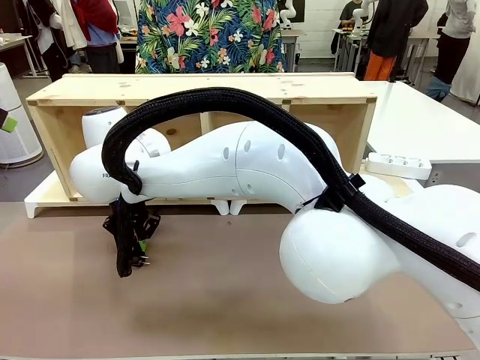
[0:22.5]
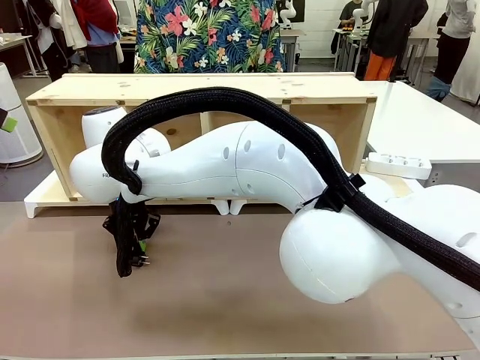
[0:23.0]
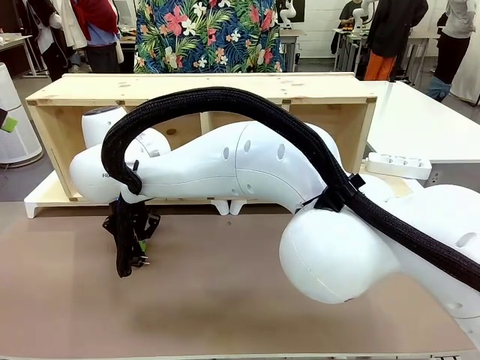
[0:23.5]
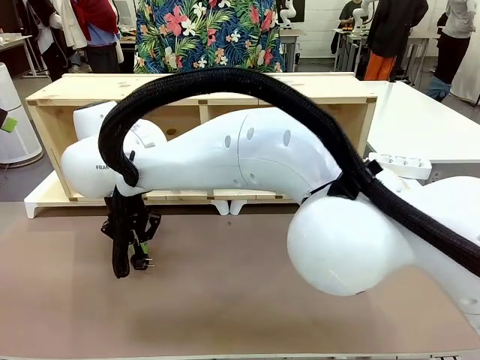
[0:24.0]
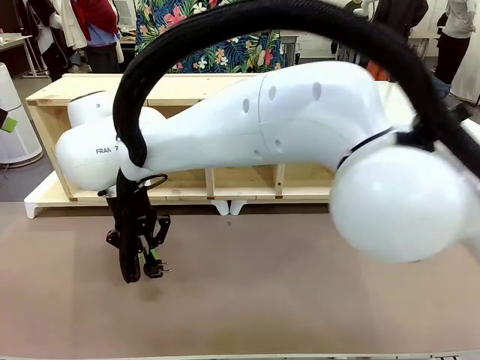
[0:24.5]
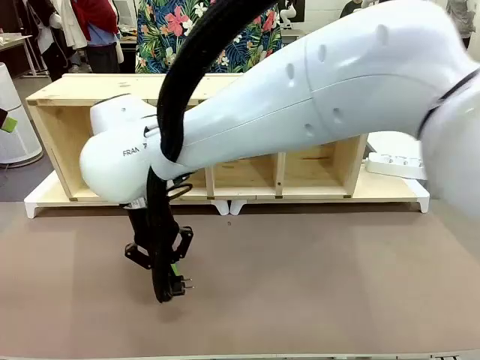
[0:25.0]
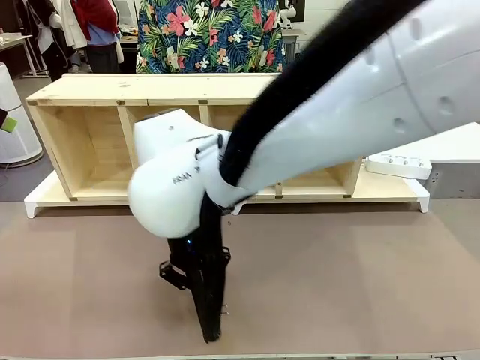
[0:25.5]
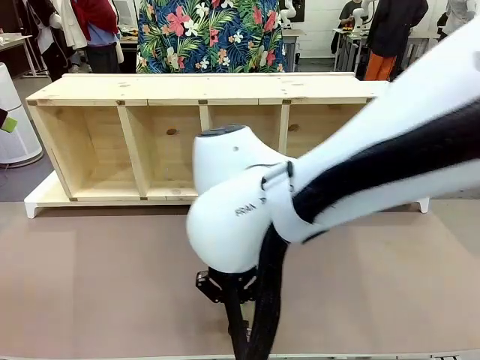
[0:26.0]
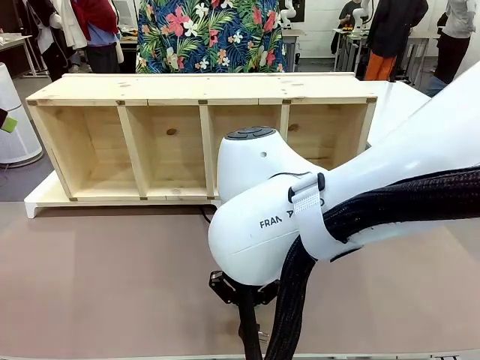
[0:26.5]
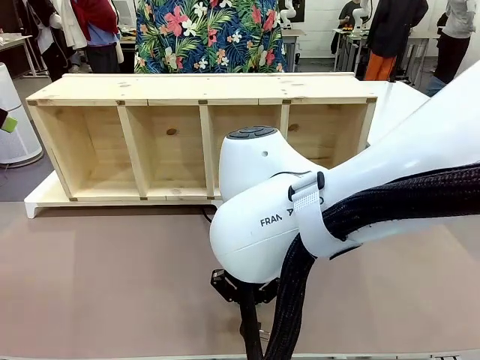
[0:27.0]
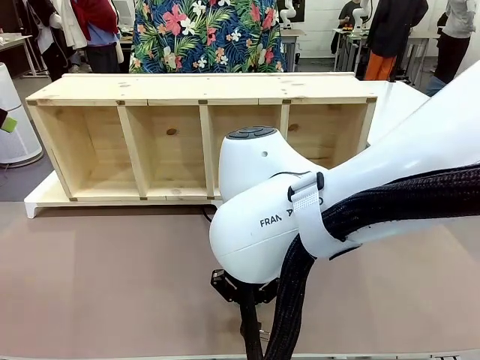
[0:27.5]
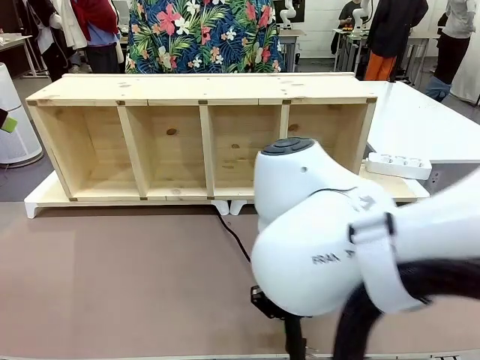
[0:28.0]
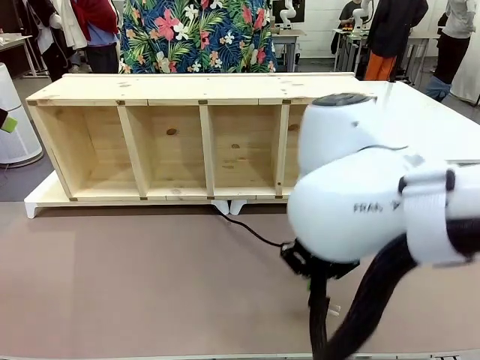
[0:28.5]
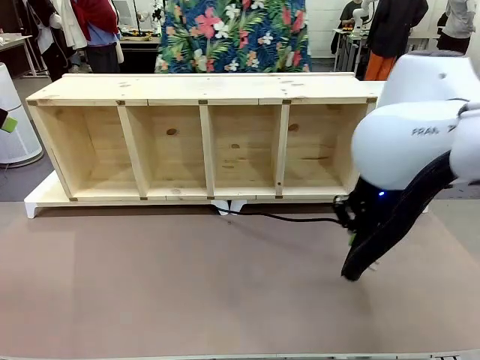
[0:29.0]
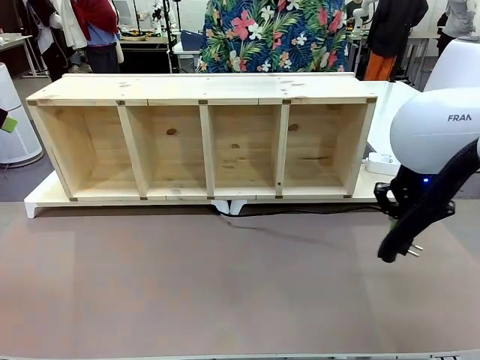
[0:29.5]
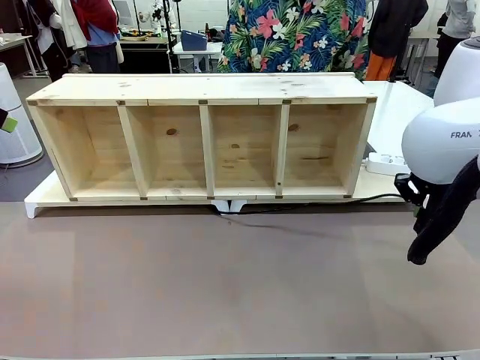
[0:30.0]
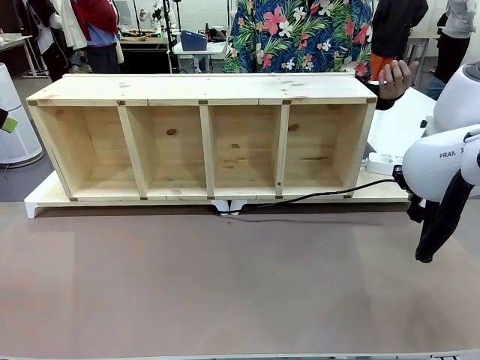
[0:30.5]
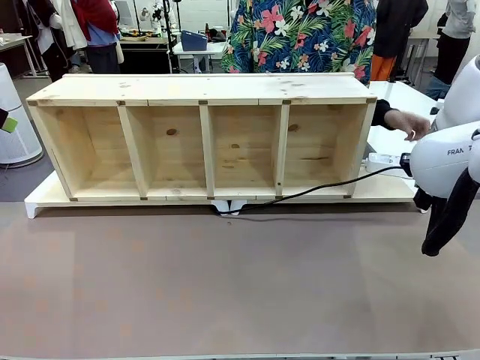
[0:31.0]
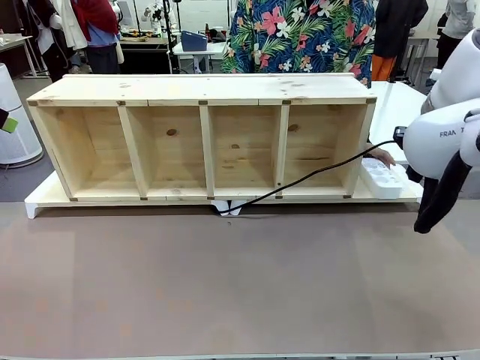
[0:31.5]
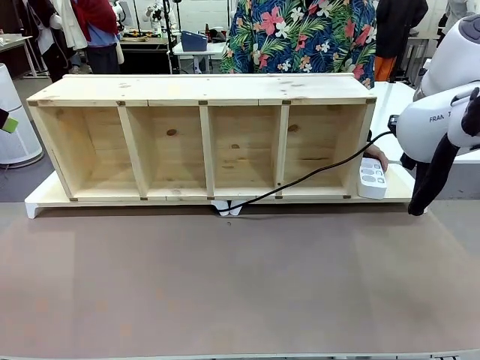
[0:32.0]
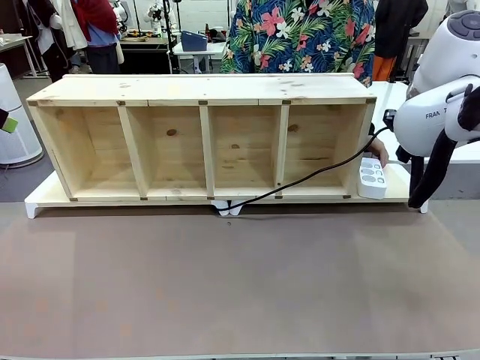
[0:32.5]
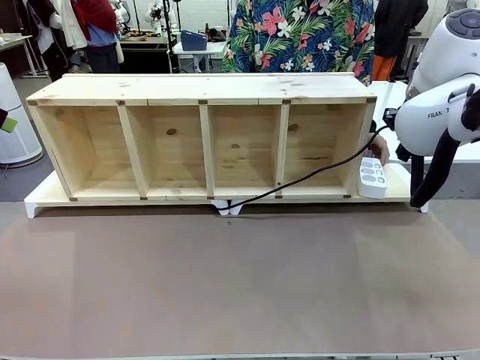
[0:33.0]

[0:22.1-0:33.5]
Task: Perform cable management.
Robot: Pull the grasped Power Cable to the location of the Power Strip.

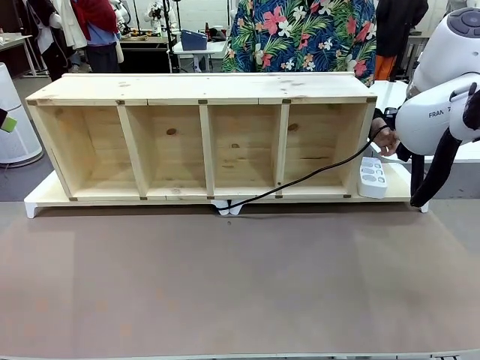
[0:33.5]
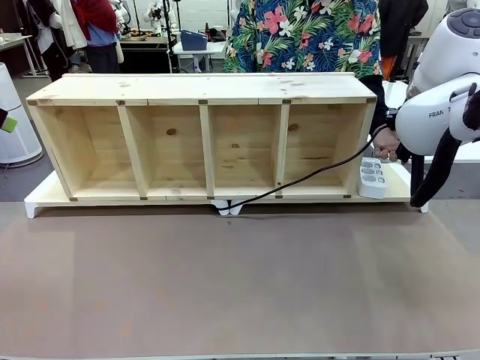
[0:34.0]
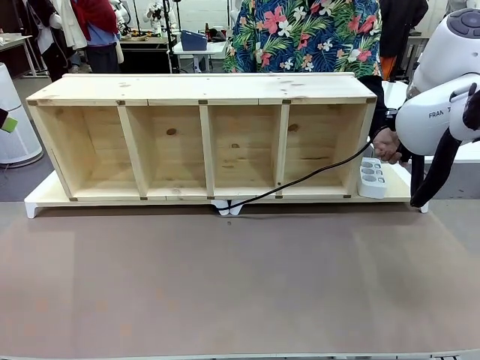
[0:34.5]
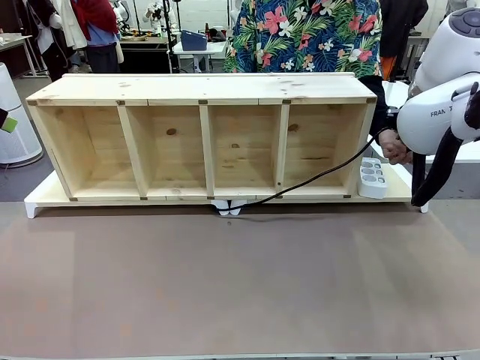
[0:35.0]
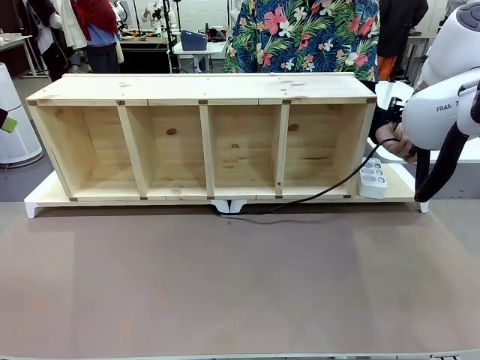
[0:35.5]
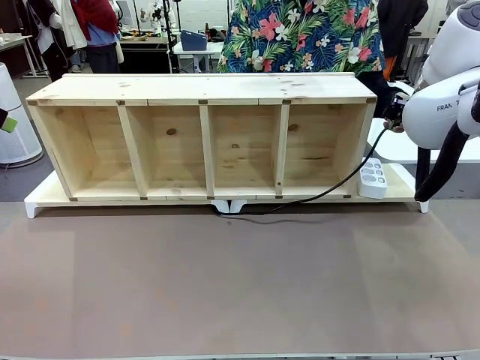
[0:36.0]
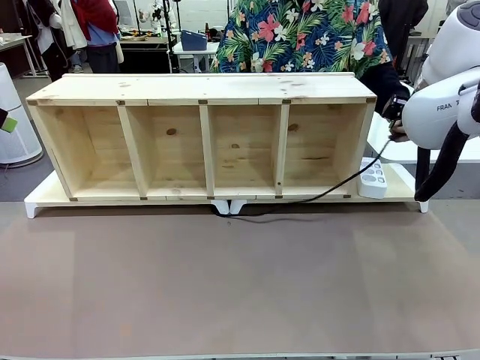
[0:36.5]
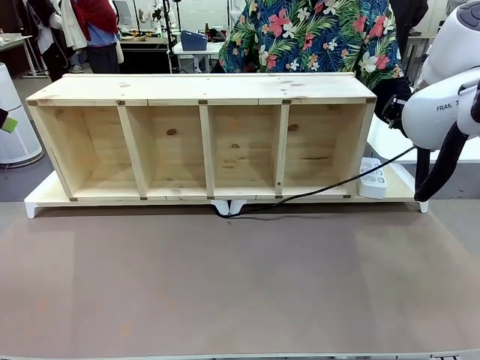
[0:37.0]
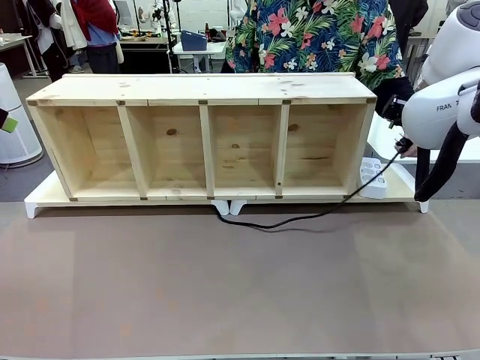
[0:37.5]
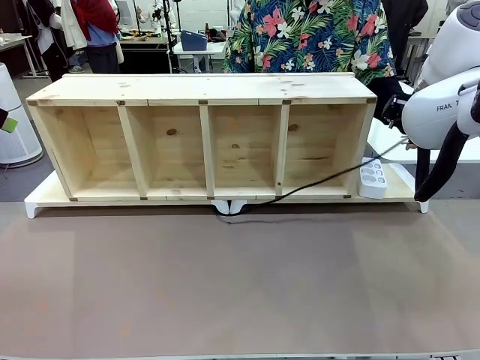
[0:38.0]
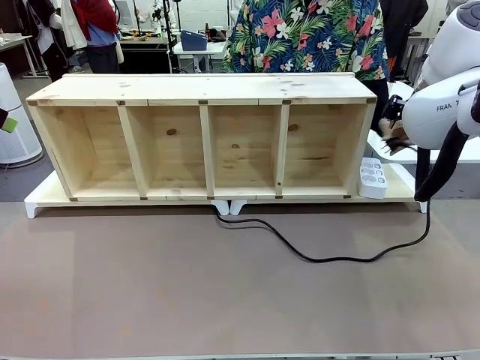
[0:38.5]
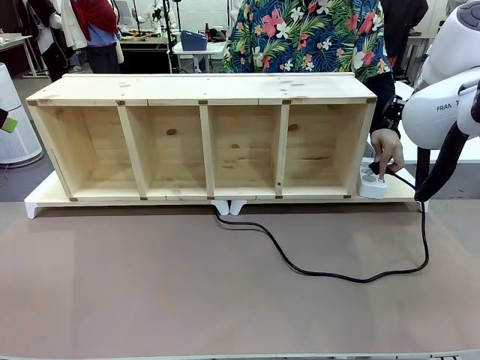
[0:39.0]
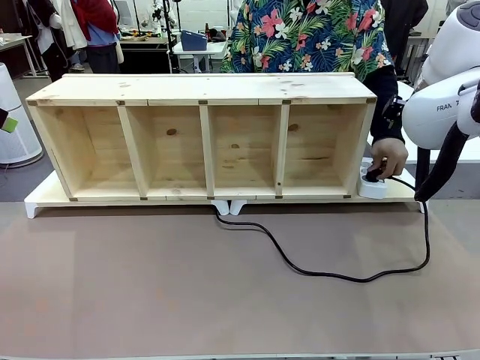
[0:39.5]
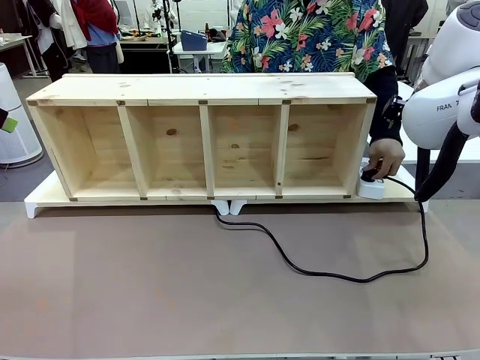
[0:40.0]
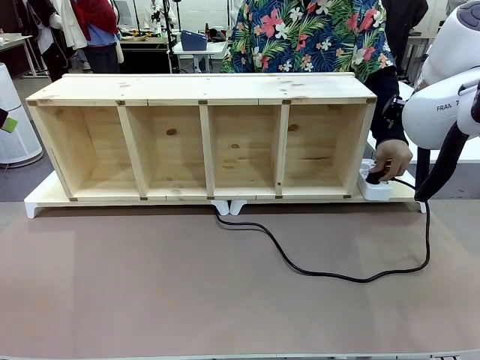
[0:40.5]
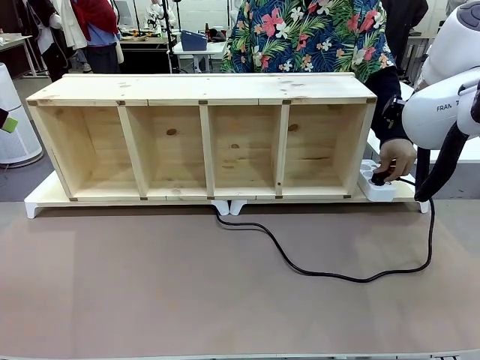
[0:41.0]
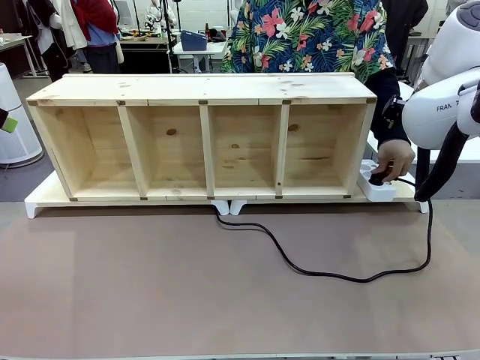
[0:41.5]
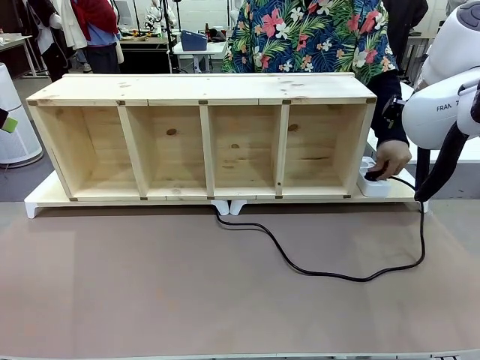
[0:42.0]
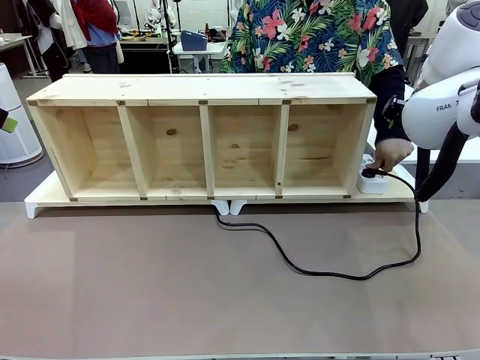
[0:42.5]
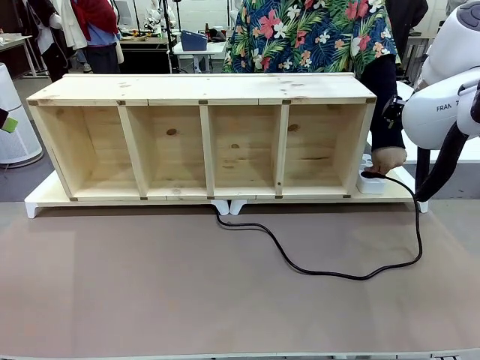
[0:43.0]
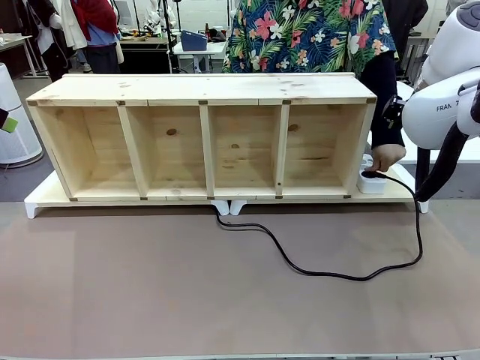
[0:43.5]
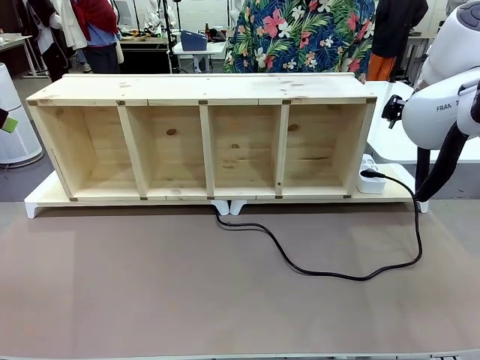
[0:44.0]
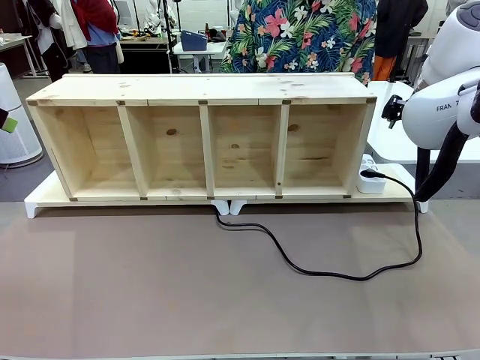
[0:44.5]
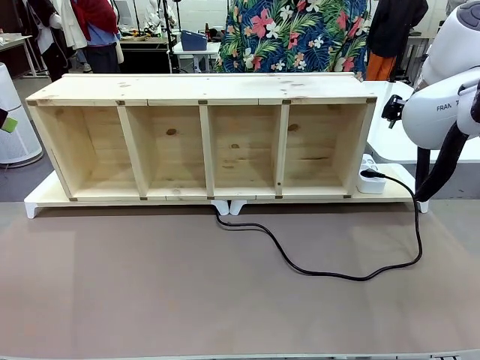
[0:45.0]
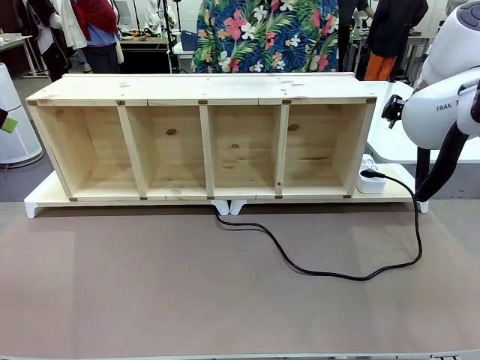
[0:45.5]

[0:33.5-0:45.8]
Robot: Release the Power Cable when the human grasps it.
Person: Plug the Power Cable into the Power Strip.
